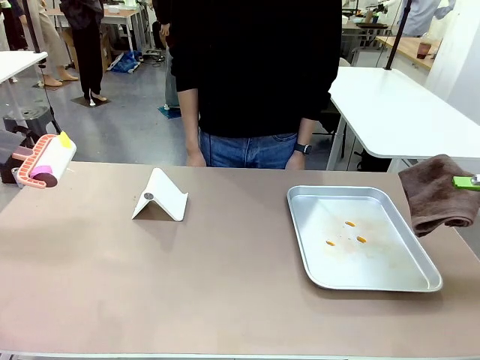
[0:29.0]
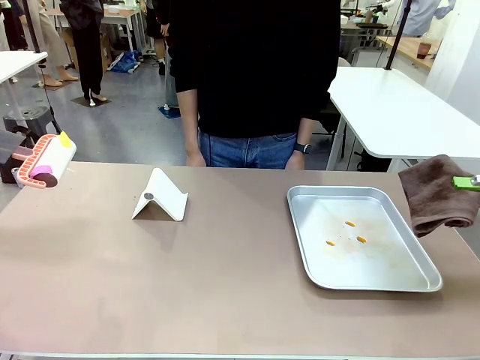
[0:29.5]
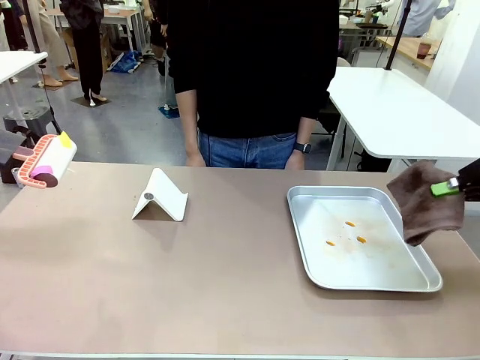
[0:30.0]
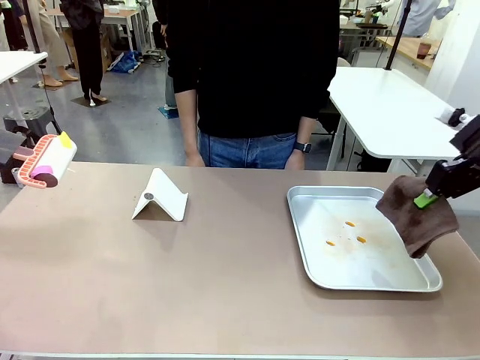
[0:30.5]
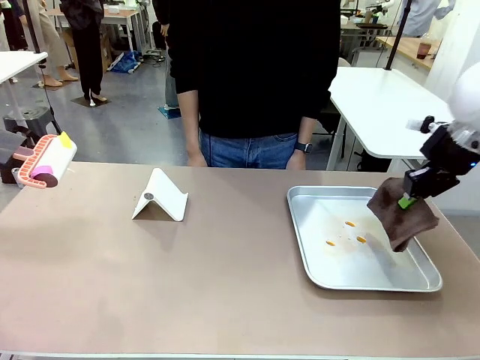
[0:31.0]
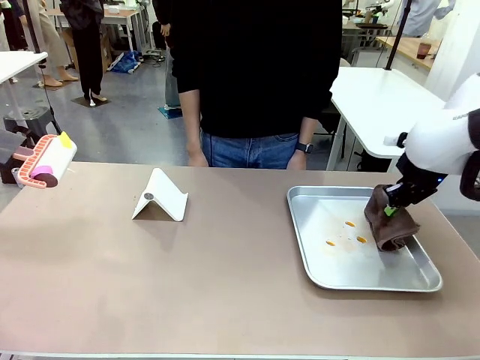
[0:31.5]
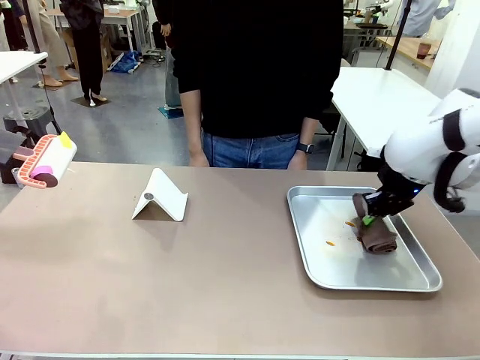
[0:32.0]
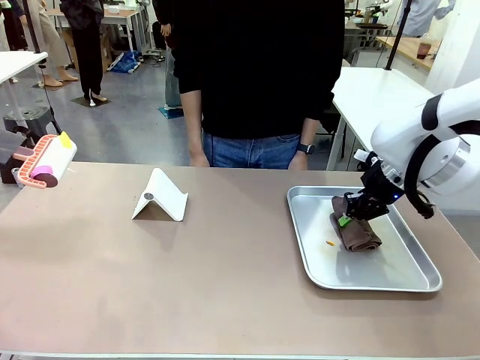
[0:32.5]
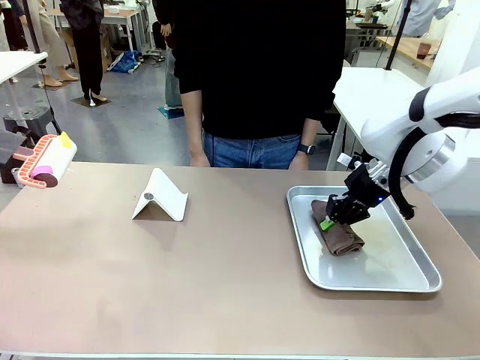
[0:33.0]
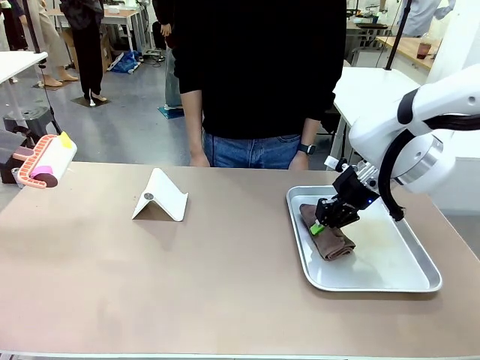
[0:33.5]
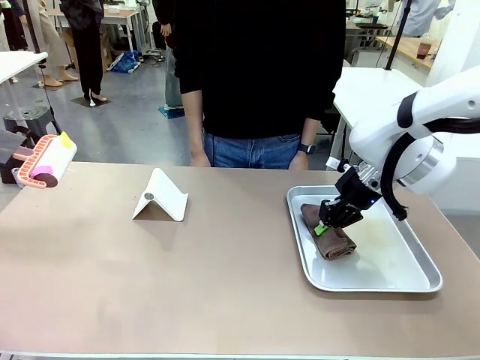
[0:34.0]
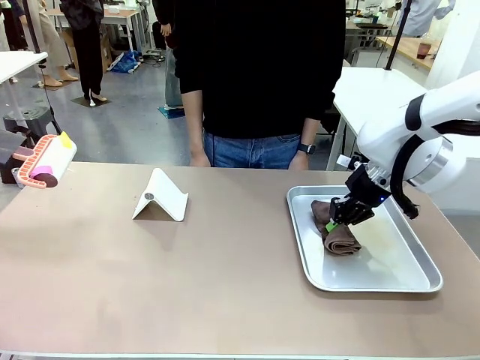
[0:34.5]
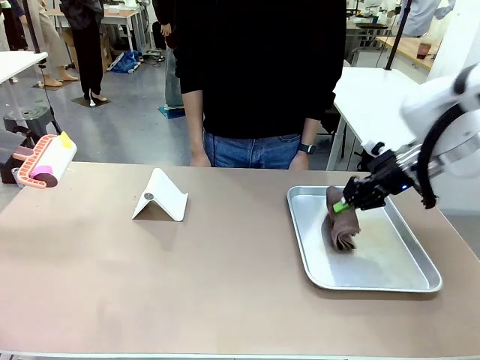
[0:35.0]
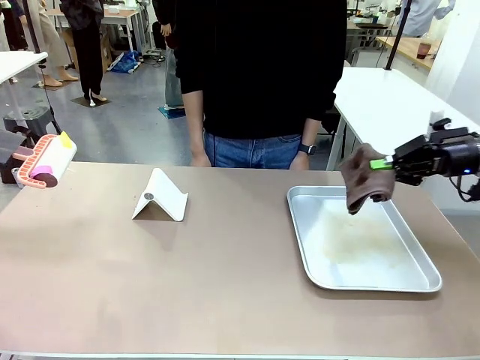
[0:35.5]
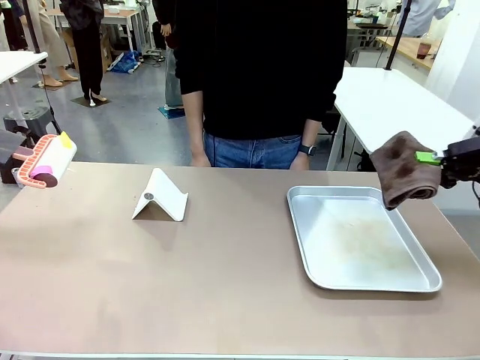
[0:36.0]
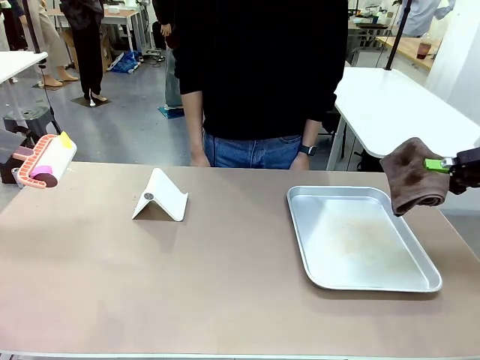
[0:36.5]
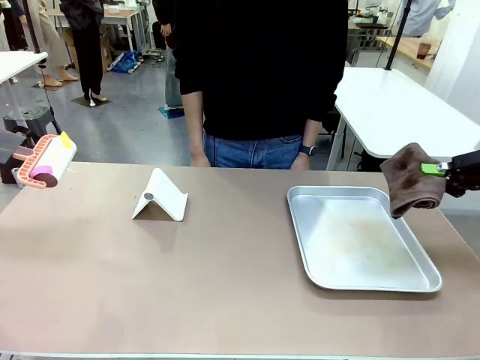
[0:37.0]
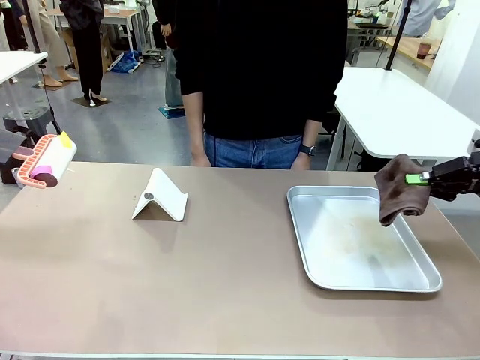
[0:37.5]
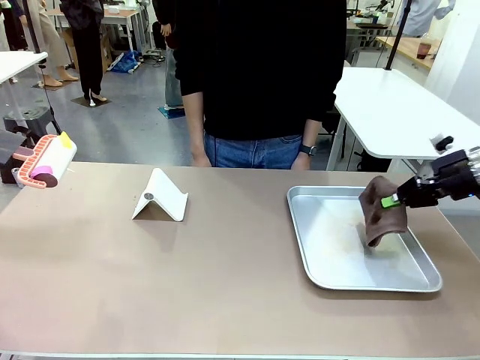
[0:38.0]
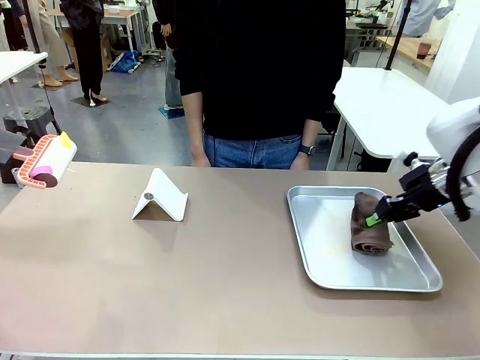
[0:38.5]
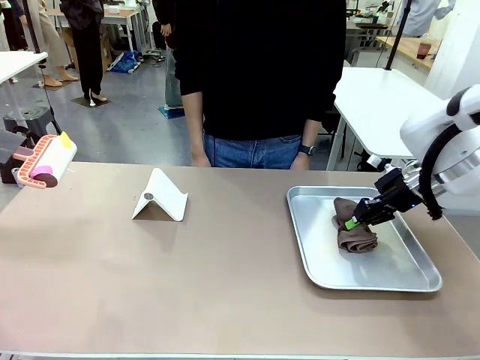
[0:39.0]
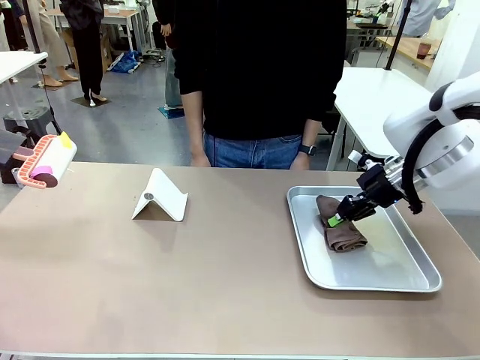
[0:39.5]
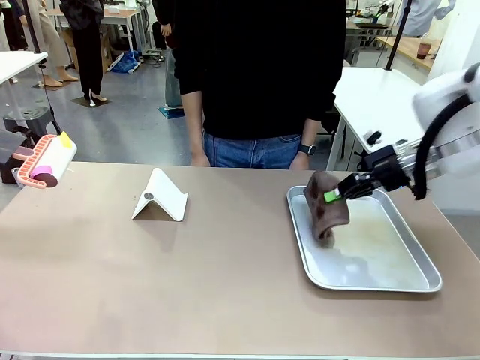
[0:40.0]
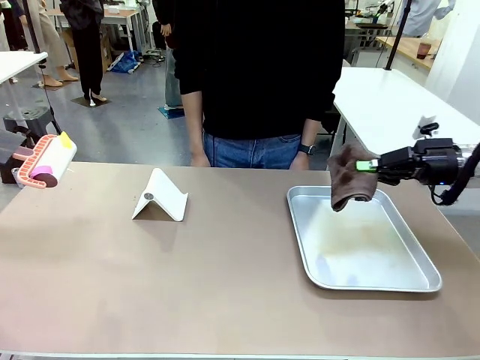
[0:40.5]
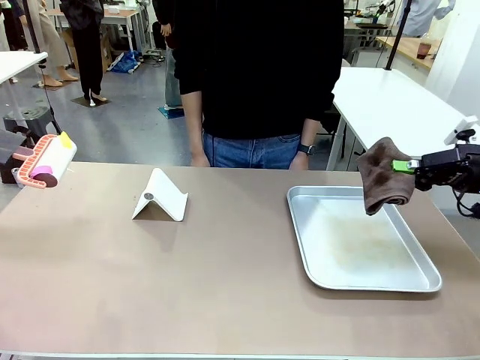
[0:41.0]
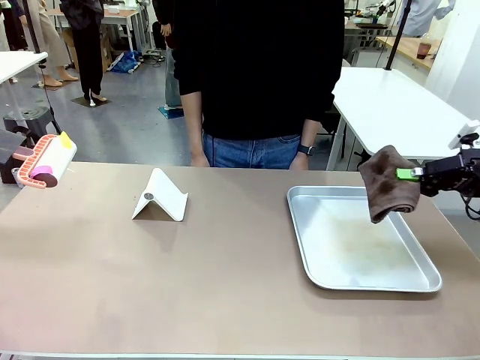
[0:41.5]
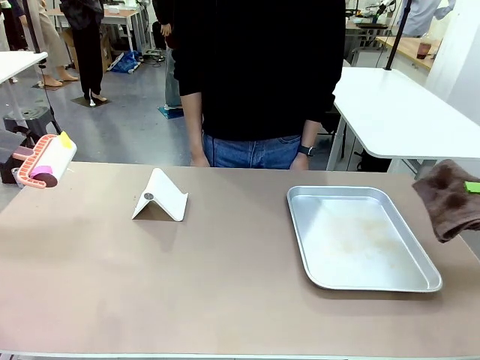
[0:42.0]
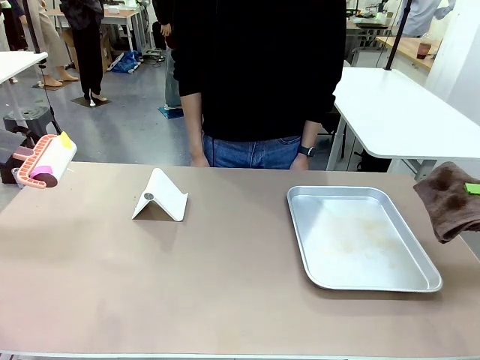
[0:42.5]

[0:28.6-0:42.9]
Task: Clean the surface of the table.
Robot: Clean the area not pointed to by the person.

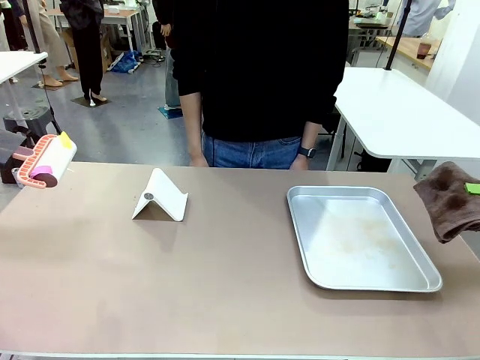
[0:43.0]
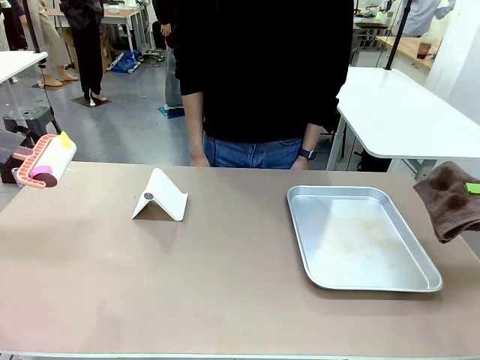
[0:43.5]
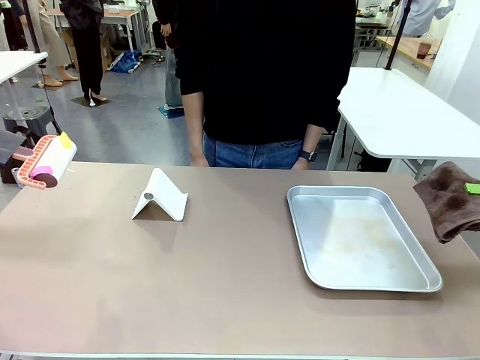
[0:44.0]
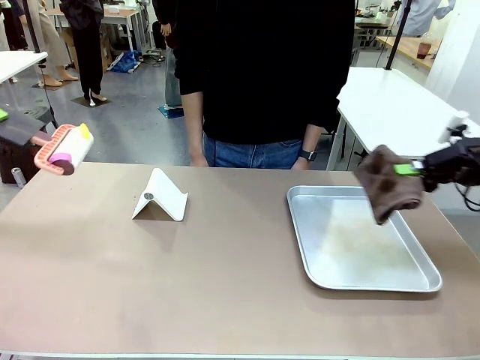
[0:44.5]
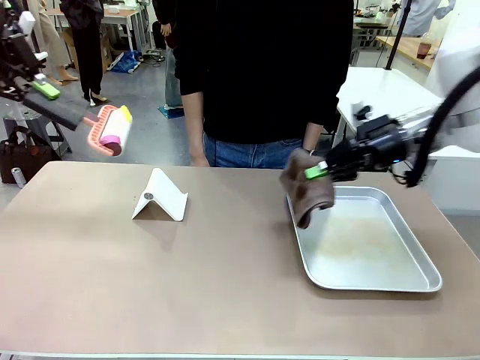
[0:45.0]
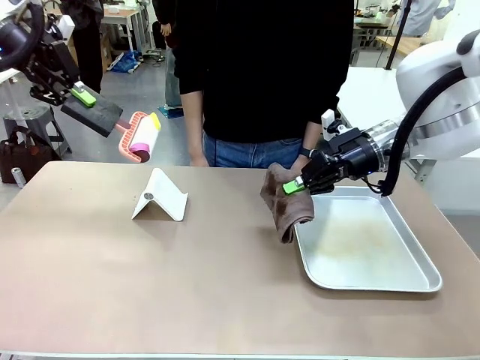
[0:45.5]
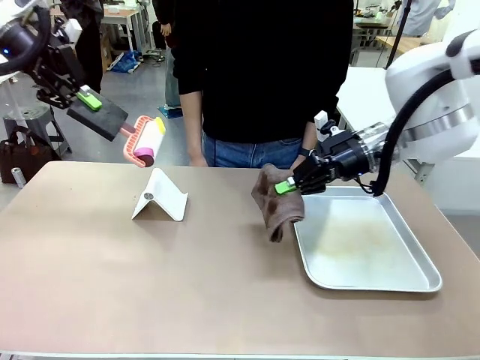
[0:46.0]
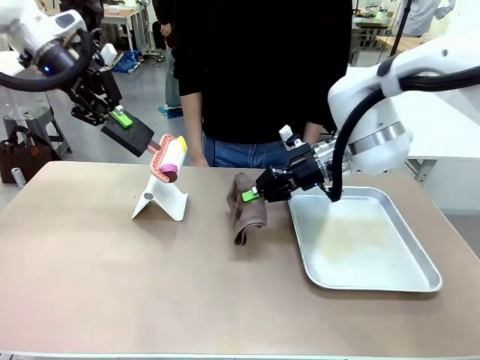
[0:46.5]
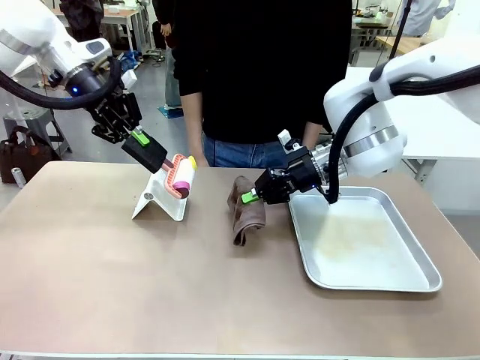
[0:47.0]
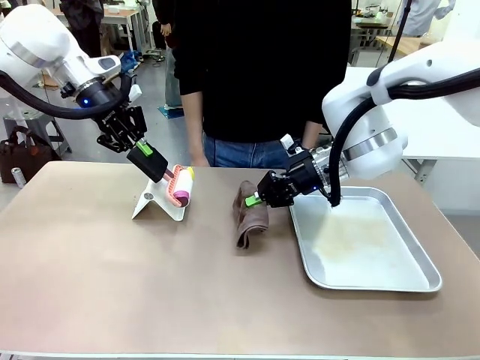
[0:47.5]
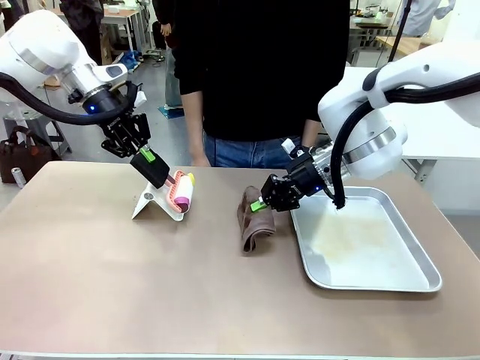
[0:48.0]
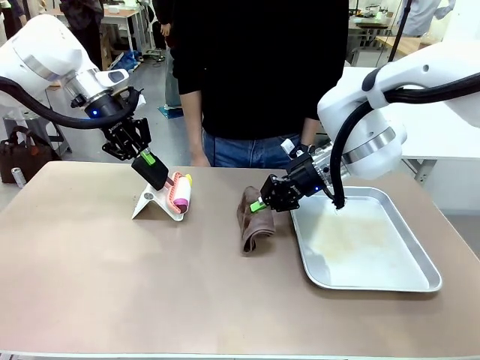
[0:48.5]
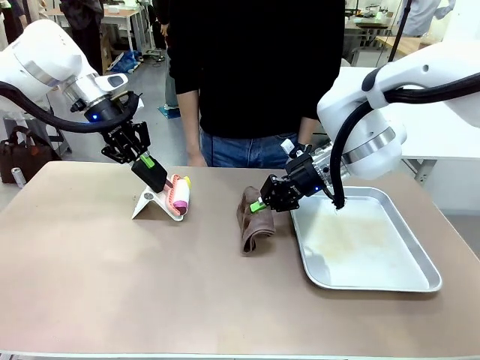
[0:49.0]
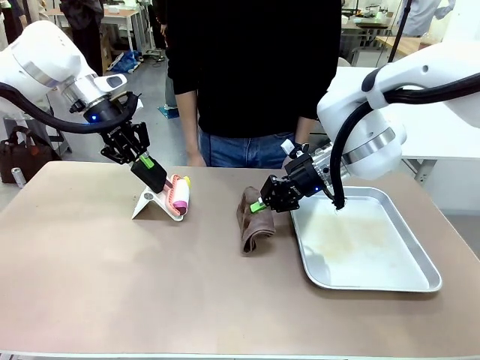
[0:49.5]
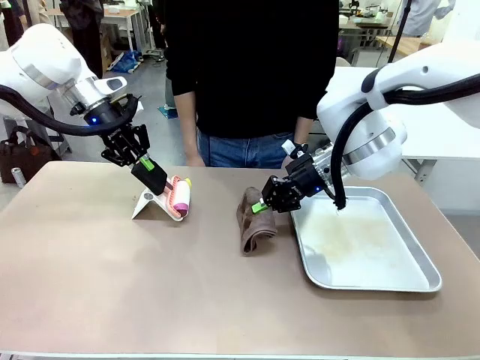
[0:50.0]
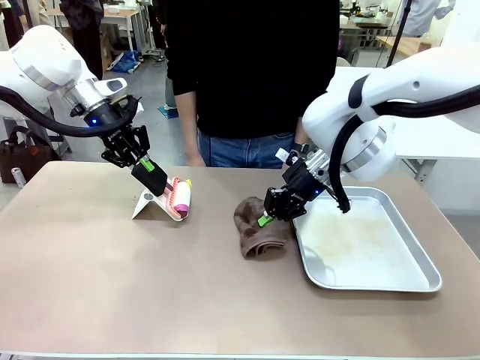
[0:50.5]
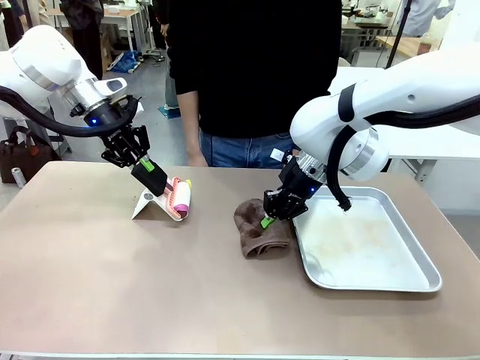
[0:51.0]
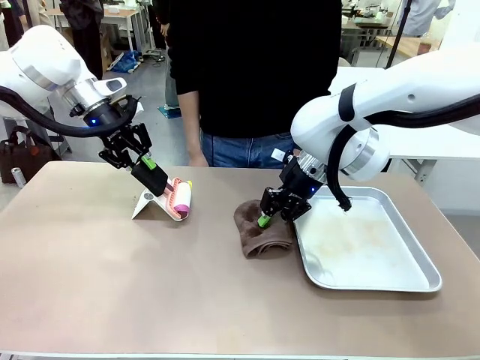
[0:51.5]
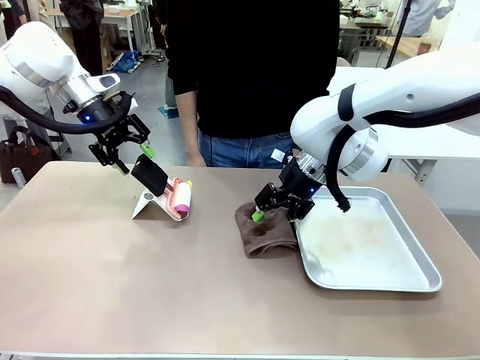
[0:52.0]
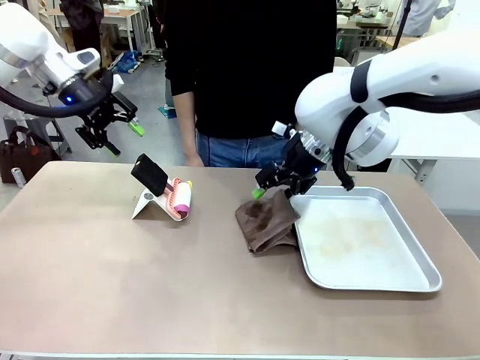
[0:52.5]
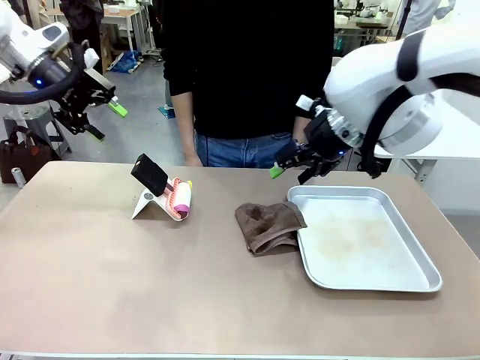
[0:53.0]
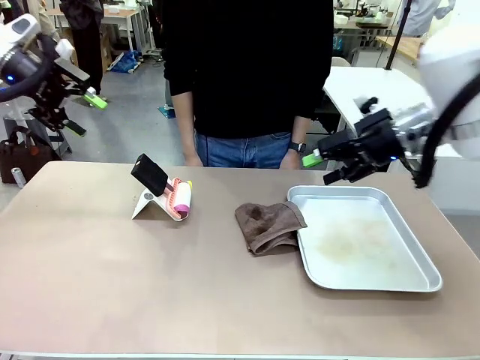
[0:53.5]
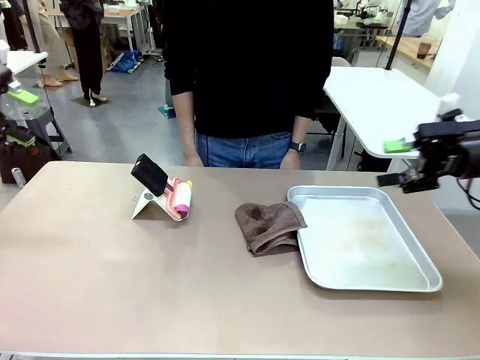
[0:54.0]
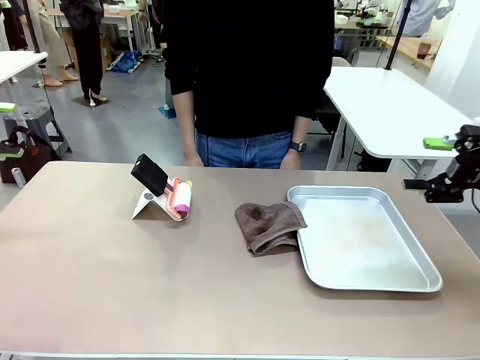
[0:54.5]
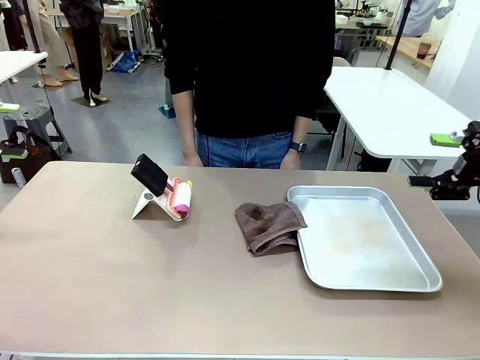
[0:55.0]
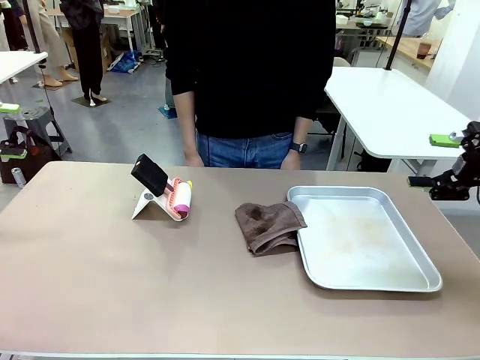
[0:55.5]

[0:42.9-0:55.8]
Robot: Return the Lint Roller and towel to their original positions.
